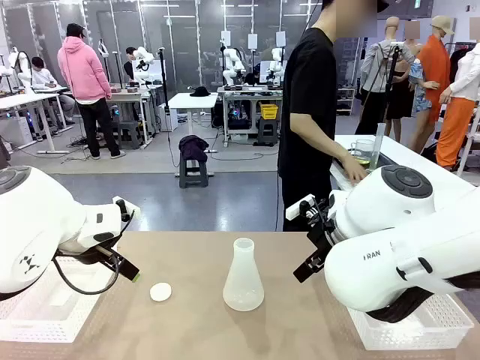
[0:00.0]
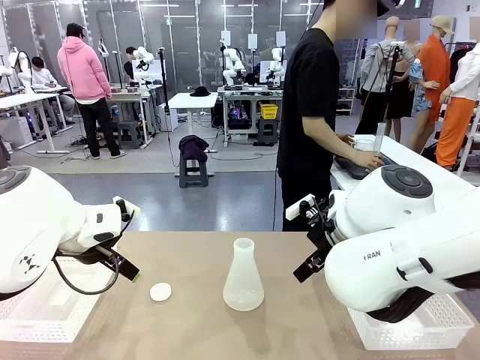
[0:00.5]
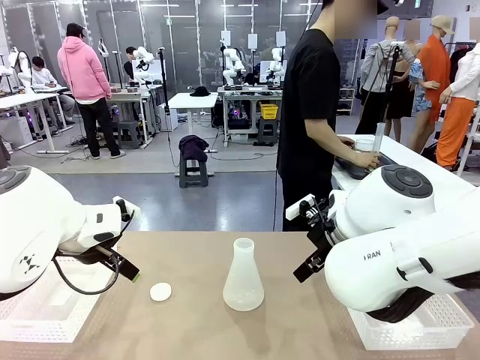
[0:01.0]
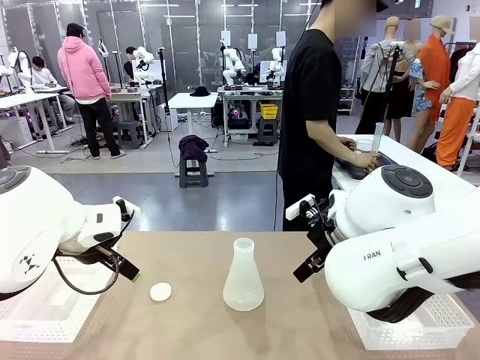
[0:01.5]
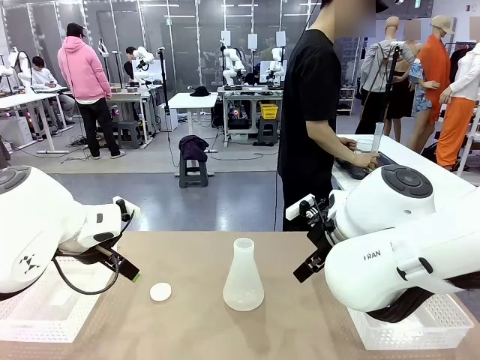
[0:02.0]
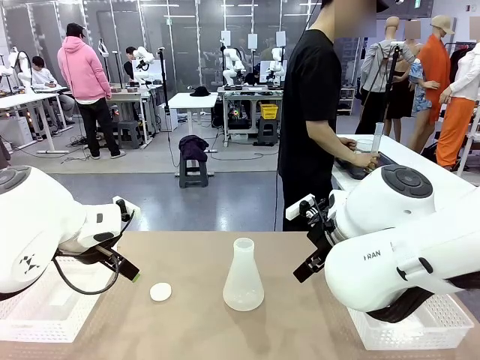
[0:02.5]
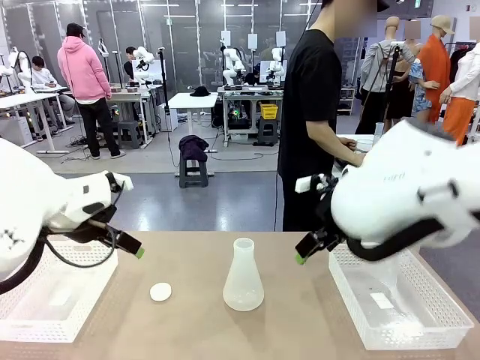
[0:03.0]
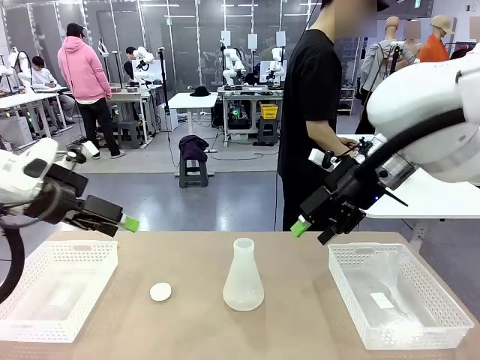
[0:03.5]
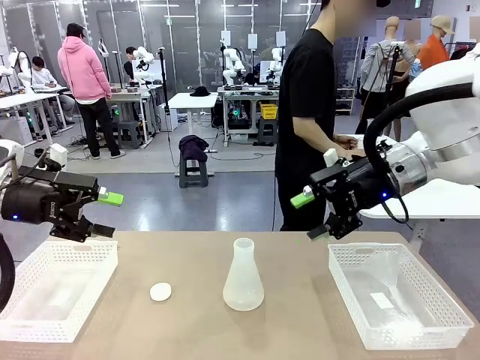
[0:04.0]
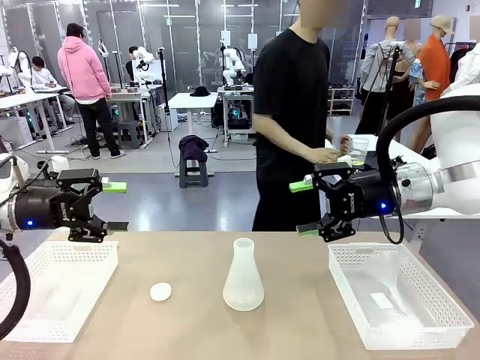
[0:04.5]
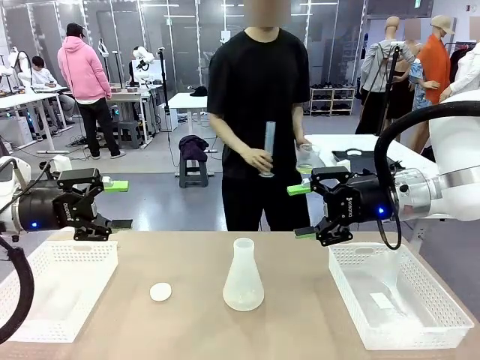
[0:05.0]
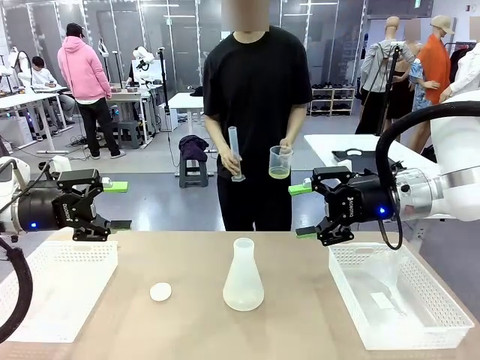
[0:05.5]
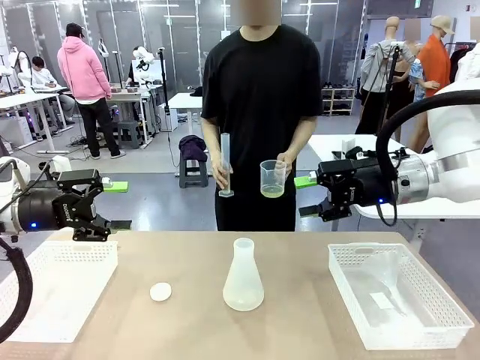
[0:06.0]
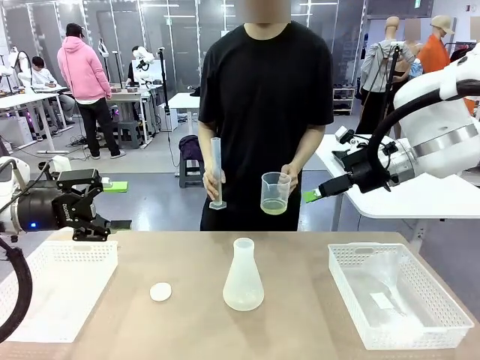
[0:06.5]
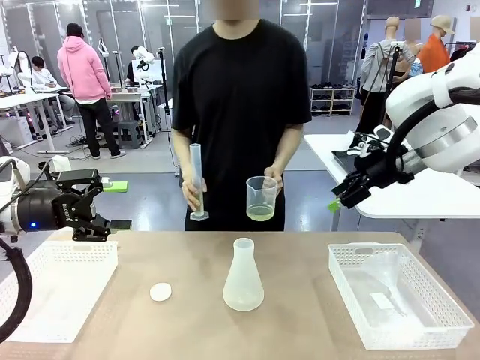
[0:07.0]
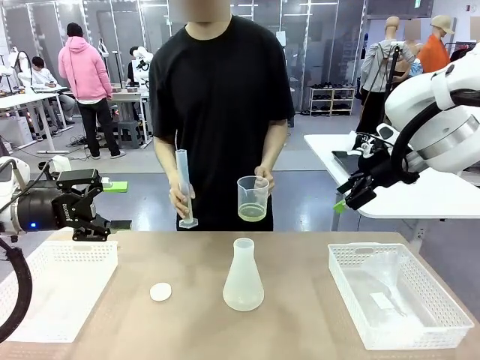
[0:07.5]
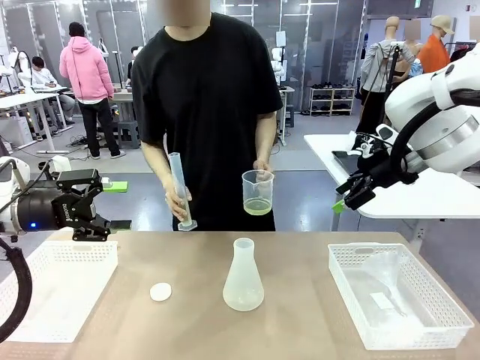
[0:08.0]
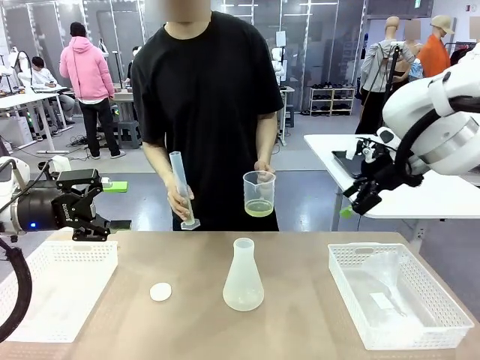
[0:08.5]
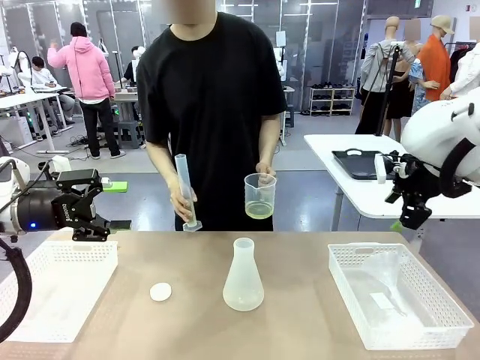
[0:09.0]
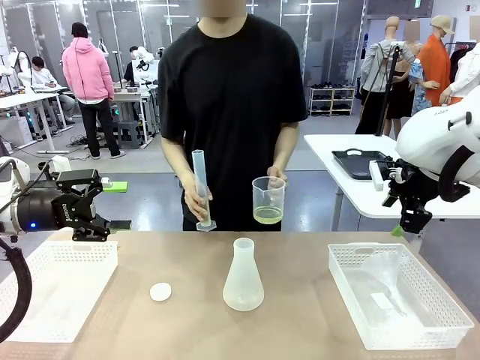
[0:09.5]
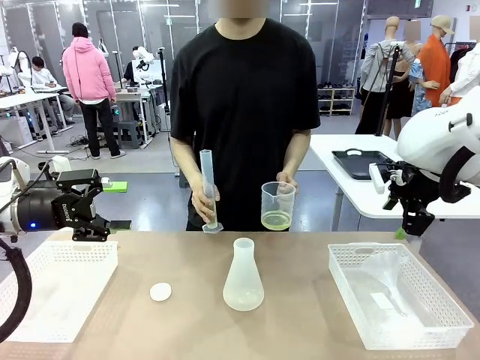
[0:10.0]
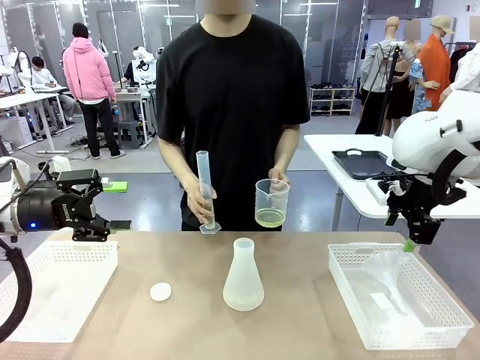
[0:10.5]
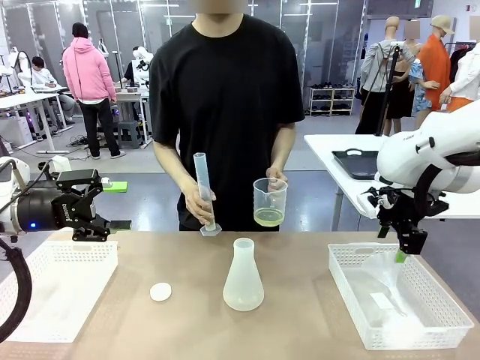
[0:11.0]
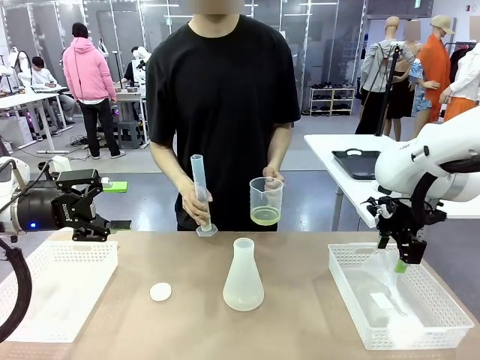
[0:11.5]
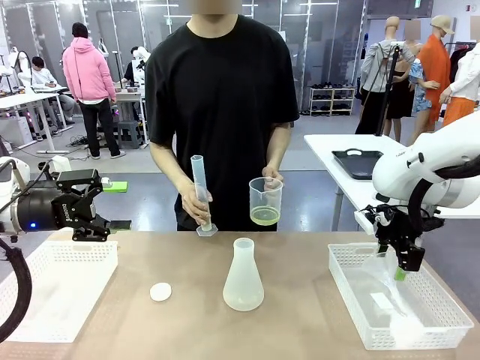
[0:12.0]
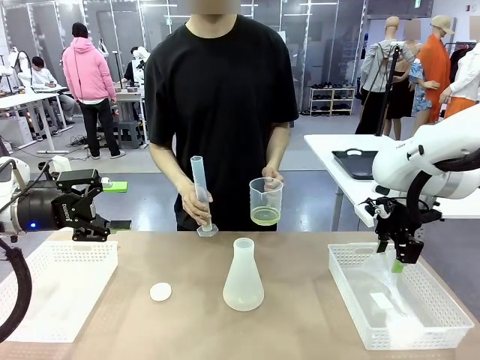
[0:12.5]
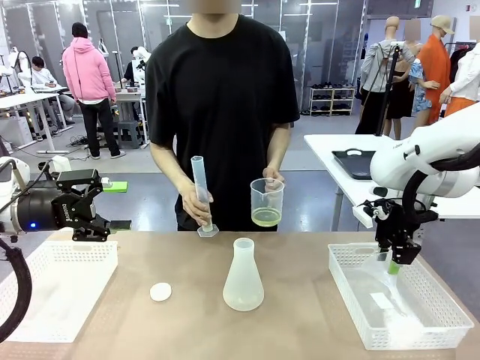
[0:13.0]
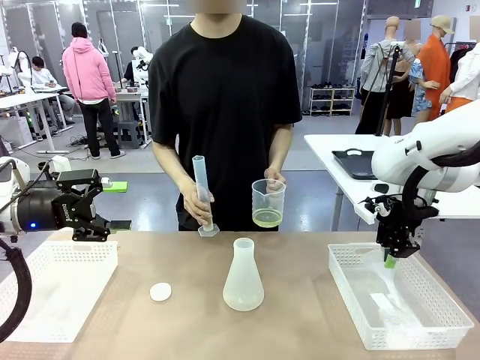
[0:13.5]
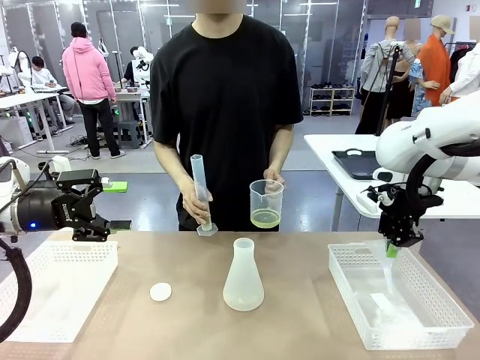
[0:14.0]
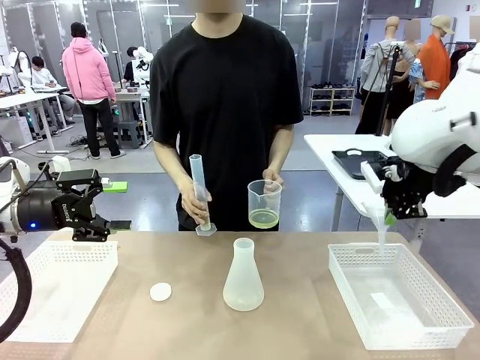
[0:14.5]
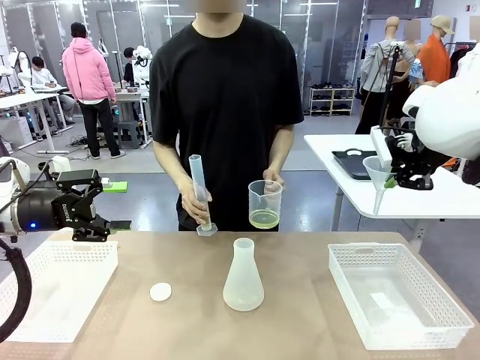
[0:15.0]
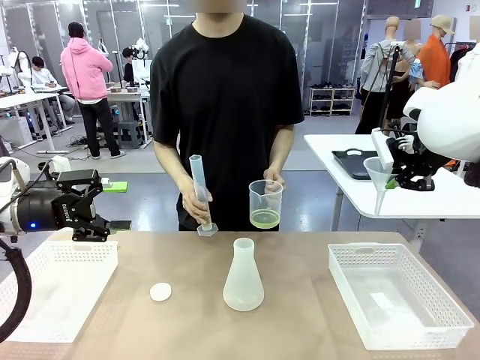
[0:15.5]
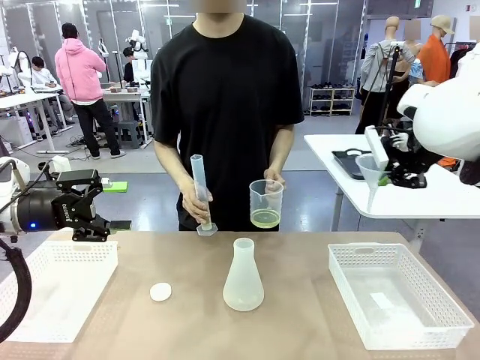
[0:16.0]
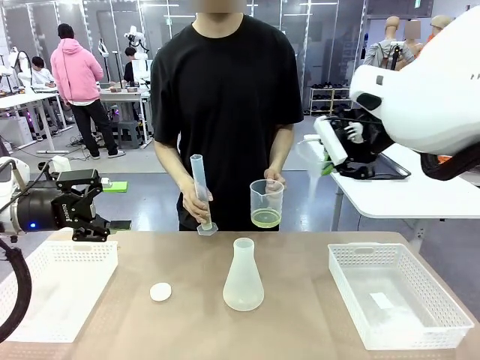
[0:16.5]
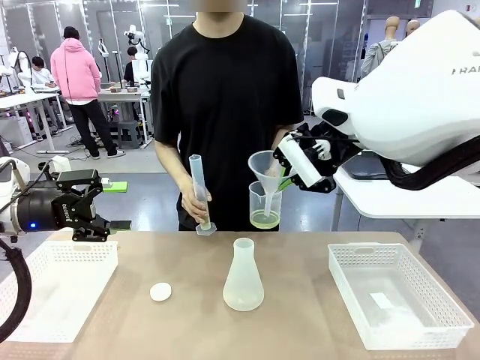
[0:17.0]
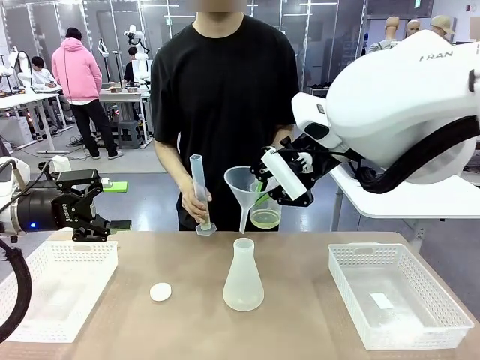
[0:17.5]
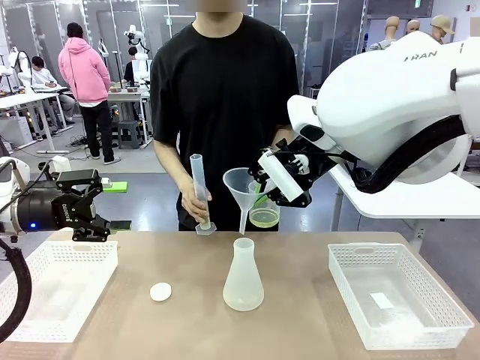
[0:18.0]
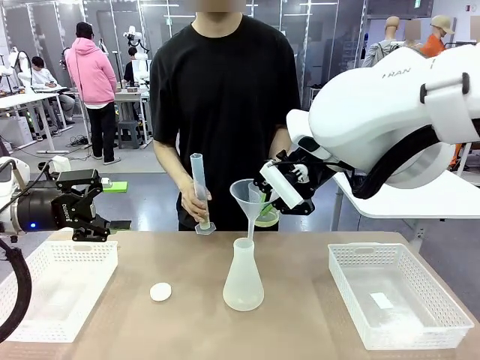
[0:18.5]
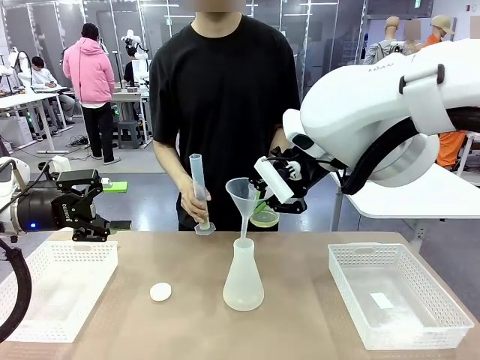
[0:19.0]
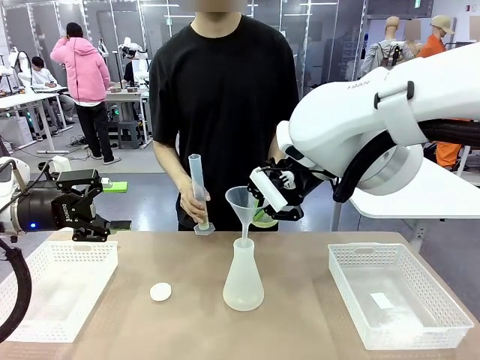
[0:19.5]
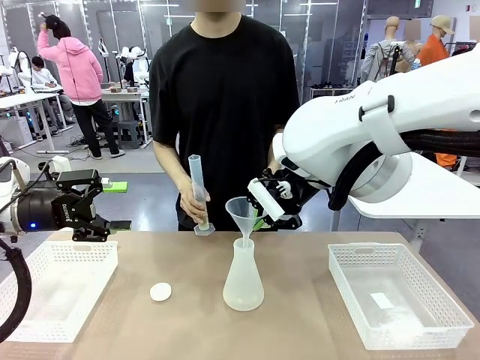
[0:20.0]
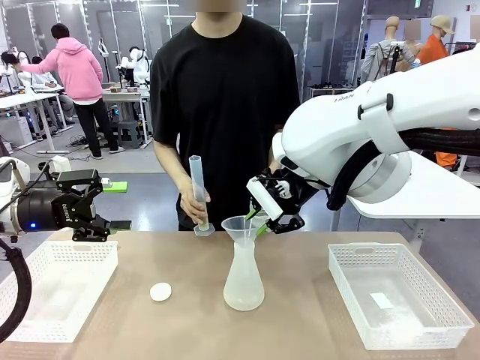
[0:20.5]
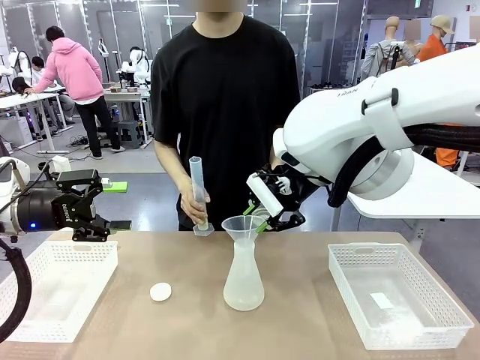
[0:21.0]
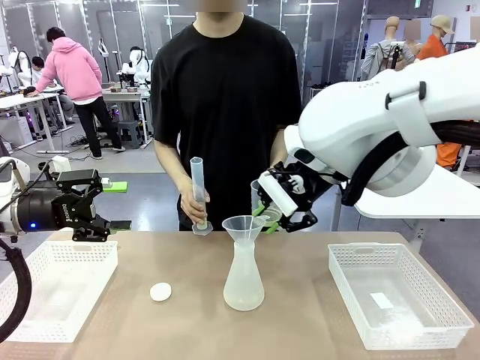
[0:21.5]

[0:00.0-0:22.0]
Task: Prepare the solutions needed for the experiment.
Robot: Pick up the Plastic Funnel and insert it into the Big flask.
Person: Pick up the beaker and the cylinder and move to the middle of the robot table. Pour the solution from the beaker and the cylinder into the flask.
